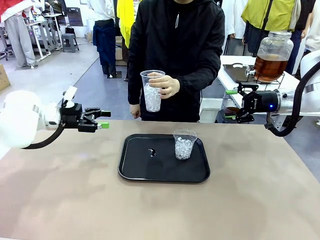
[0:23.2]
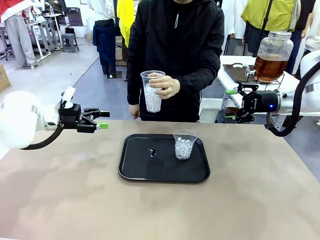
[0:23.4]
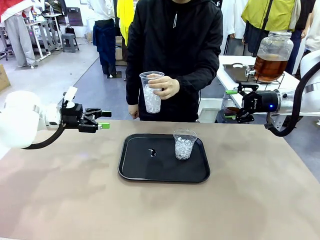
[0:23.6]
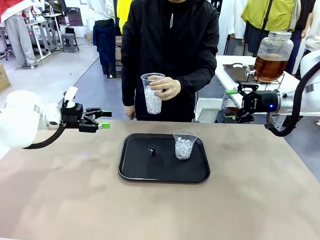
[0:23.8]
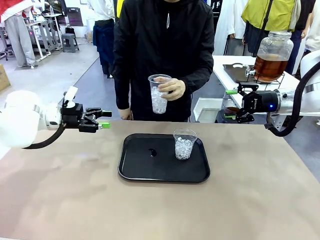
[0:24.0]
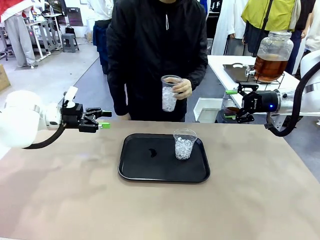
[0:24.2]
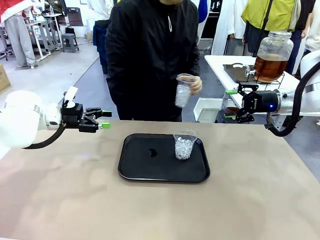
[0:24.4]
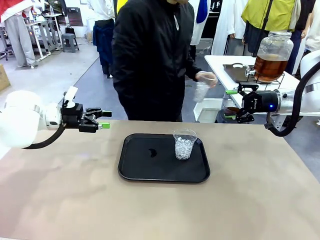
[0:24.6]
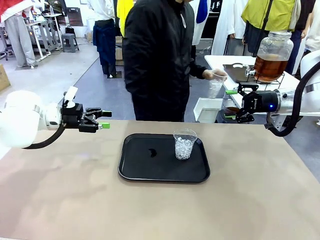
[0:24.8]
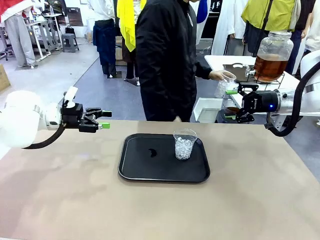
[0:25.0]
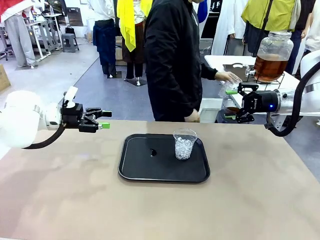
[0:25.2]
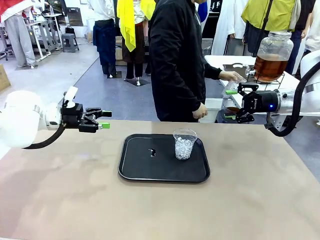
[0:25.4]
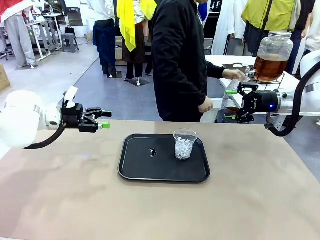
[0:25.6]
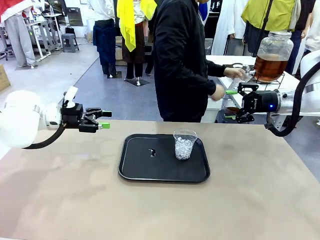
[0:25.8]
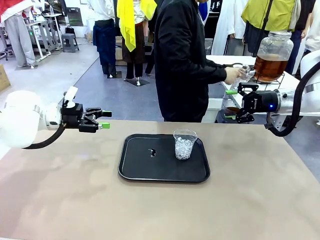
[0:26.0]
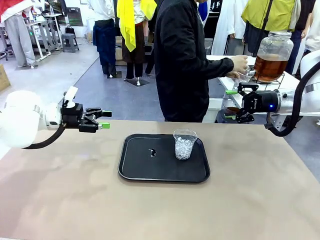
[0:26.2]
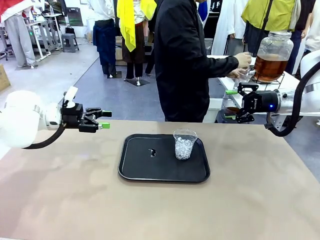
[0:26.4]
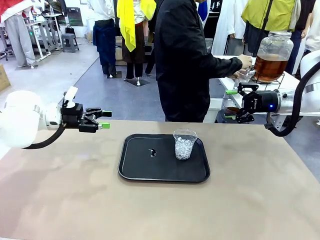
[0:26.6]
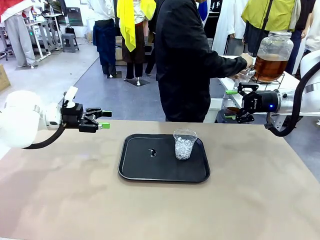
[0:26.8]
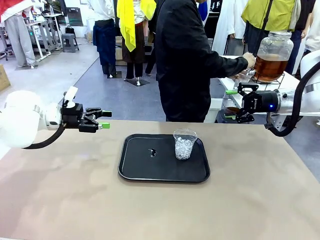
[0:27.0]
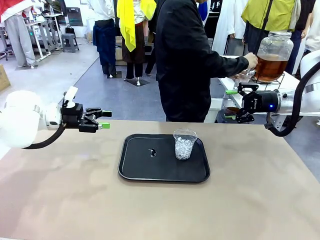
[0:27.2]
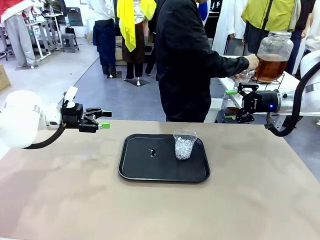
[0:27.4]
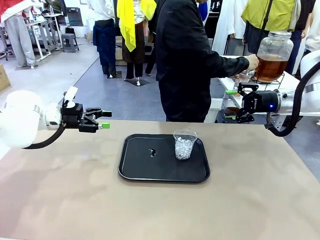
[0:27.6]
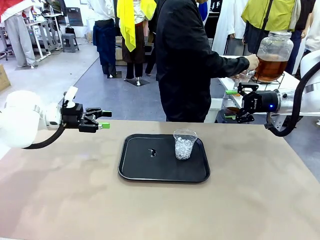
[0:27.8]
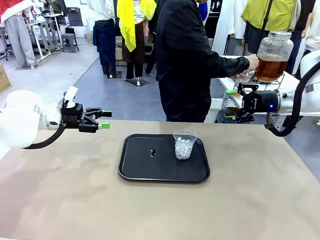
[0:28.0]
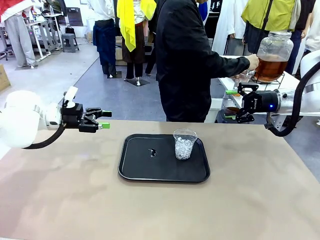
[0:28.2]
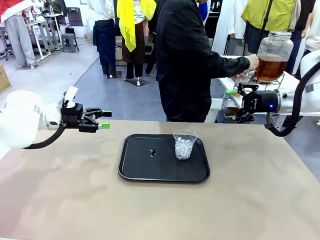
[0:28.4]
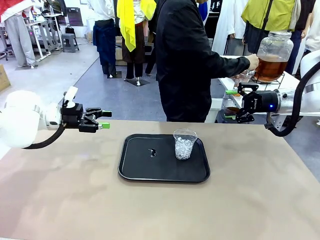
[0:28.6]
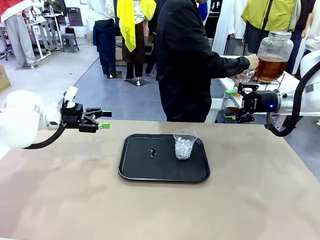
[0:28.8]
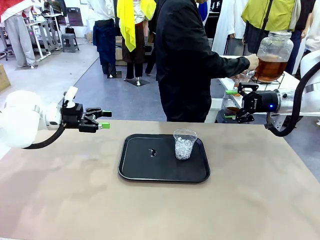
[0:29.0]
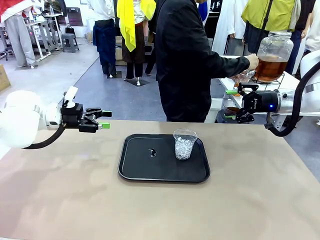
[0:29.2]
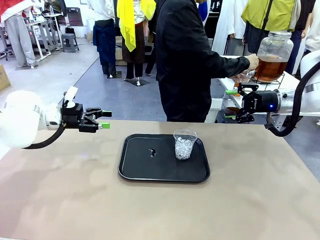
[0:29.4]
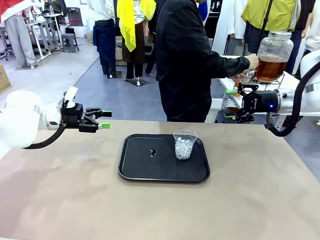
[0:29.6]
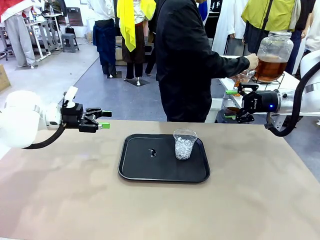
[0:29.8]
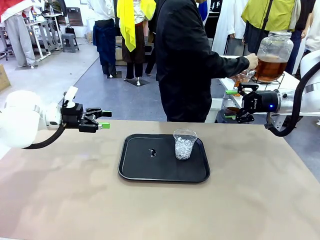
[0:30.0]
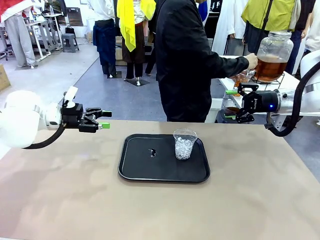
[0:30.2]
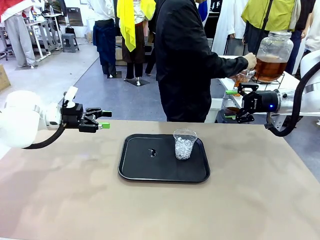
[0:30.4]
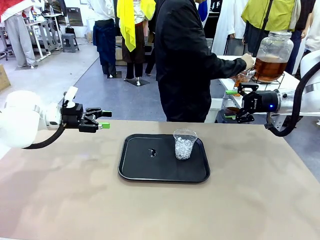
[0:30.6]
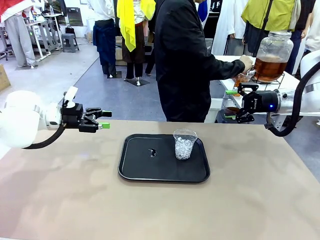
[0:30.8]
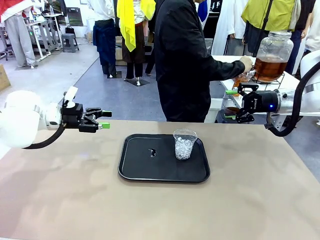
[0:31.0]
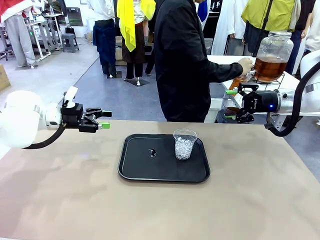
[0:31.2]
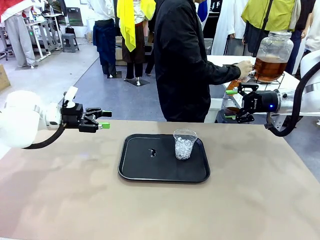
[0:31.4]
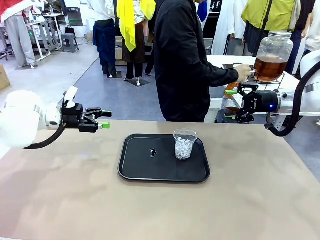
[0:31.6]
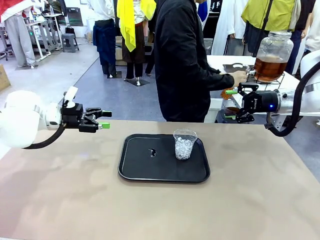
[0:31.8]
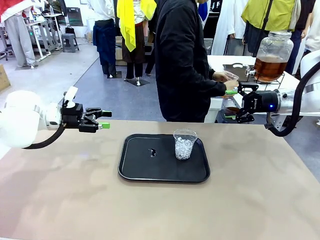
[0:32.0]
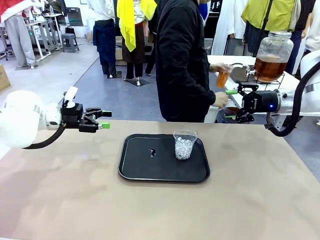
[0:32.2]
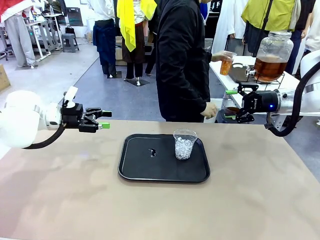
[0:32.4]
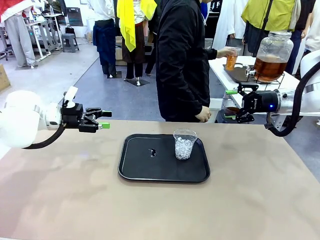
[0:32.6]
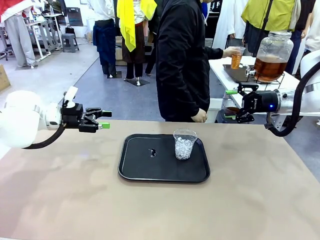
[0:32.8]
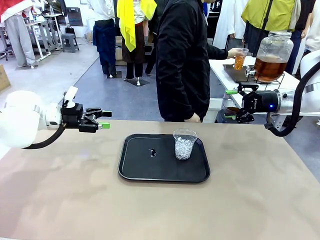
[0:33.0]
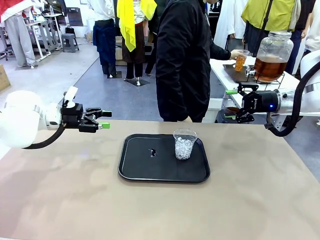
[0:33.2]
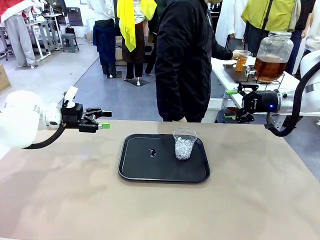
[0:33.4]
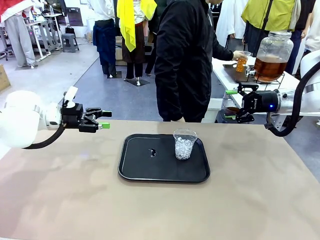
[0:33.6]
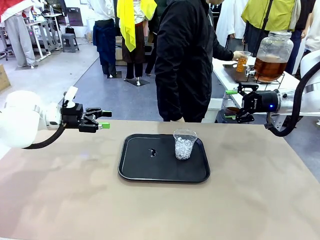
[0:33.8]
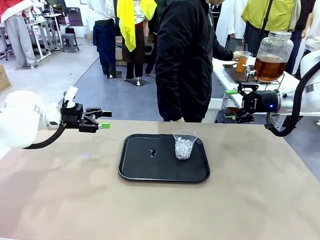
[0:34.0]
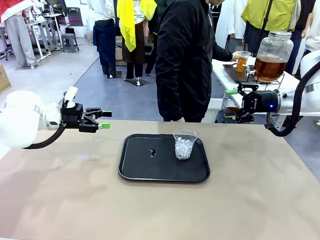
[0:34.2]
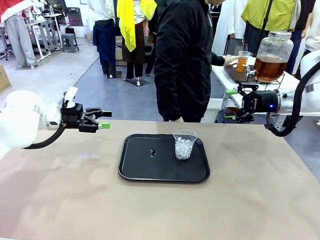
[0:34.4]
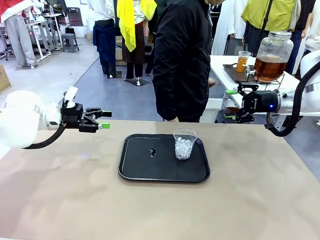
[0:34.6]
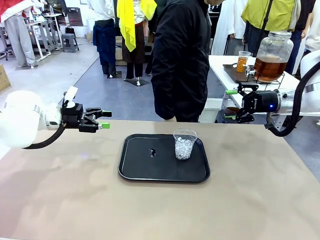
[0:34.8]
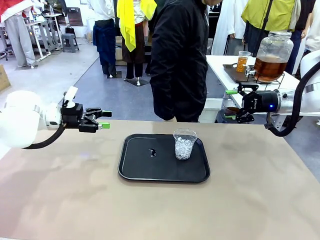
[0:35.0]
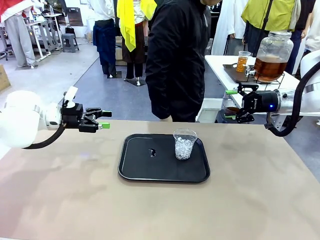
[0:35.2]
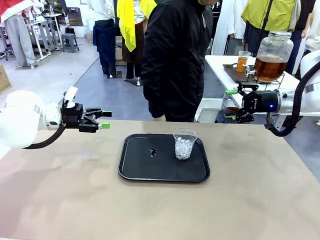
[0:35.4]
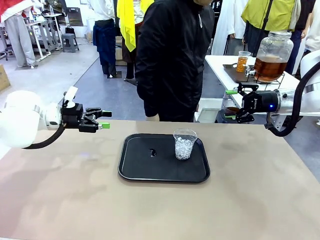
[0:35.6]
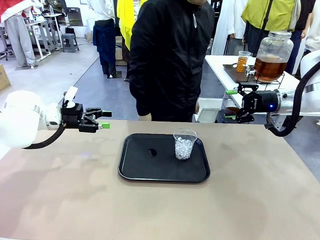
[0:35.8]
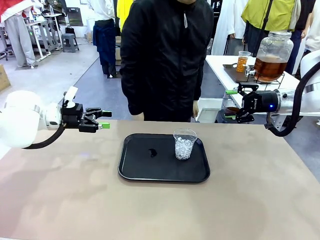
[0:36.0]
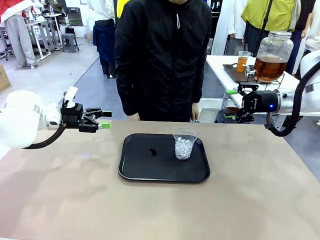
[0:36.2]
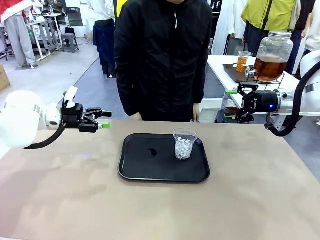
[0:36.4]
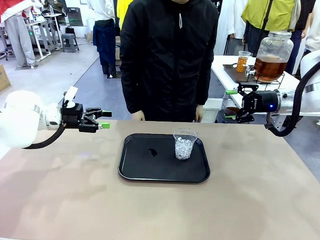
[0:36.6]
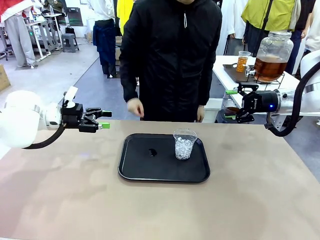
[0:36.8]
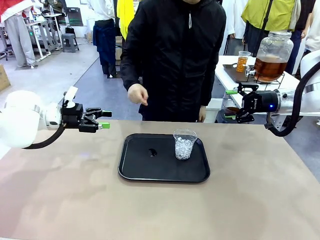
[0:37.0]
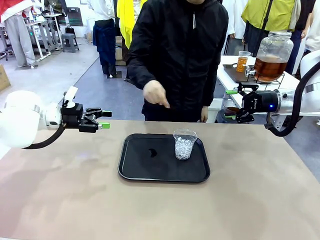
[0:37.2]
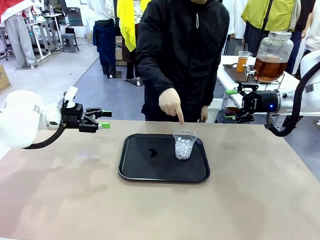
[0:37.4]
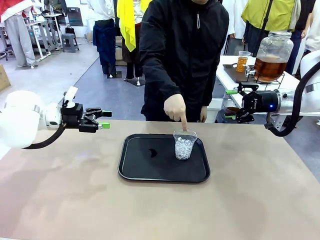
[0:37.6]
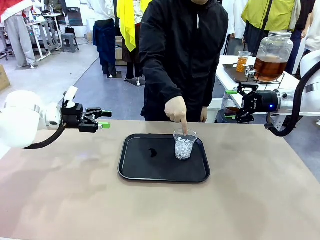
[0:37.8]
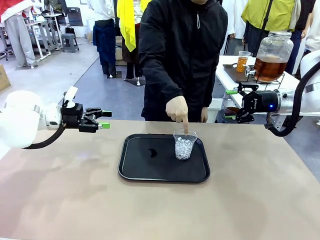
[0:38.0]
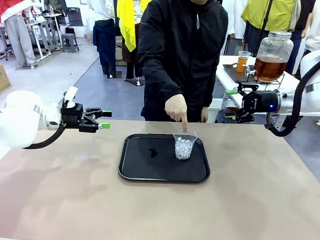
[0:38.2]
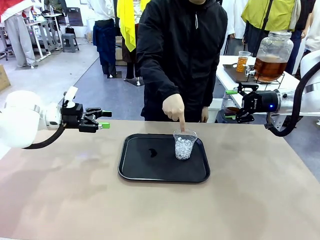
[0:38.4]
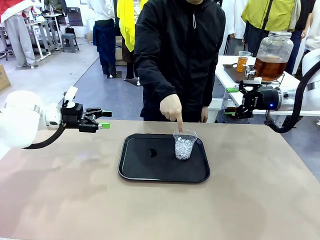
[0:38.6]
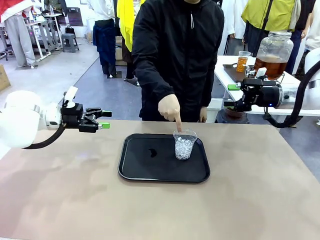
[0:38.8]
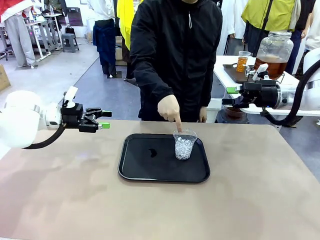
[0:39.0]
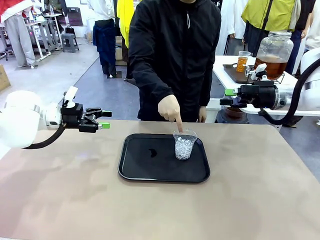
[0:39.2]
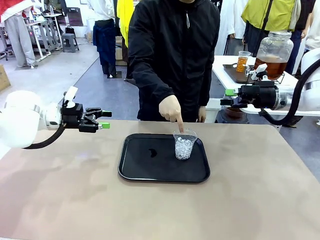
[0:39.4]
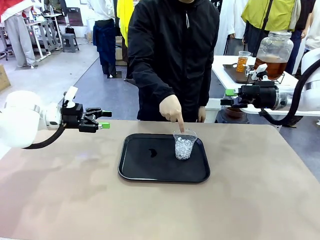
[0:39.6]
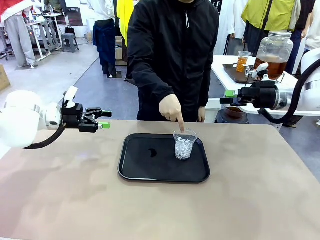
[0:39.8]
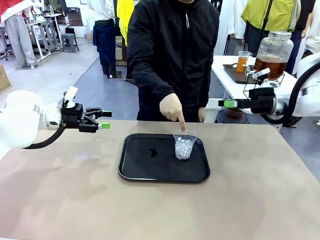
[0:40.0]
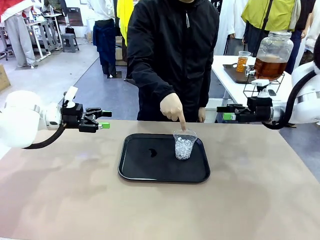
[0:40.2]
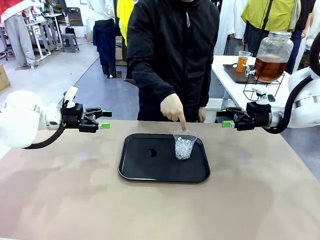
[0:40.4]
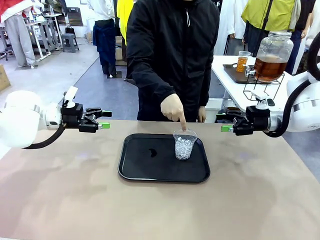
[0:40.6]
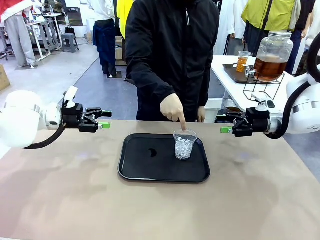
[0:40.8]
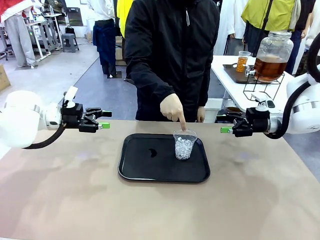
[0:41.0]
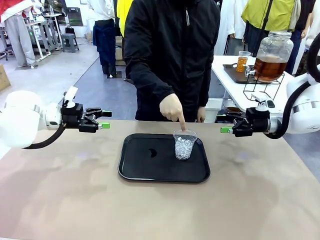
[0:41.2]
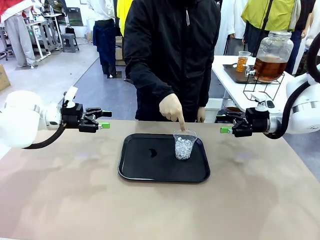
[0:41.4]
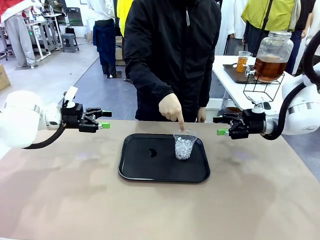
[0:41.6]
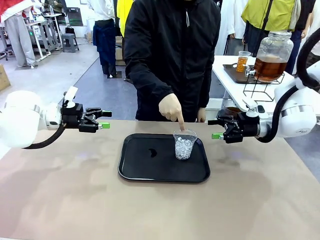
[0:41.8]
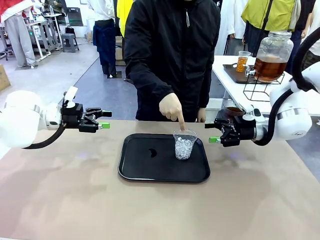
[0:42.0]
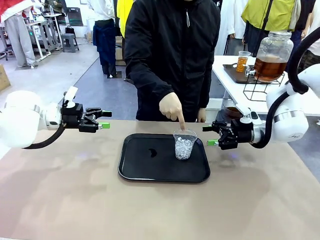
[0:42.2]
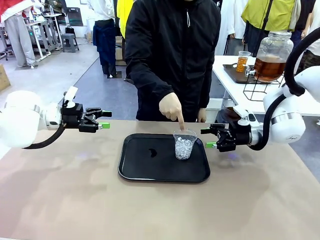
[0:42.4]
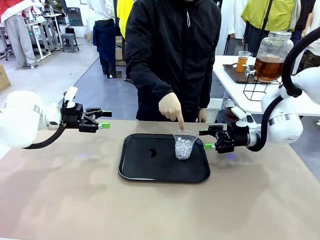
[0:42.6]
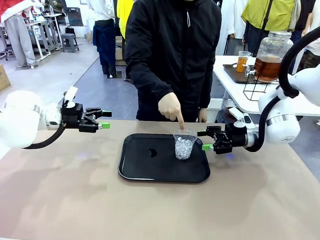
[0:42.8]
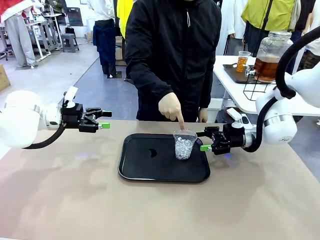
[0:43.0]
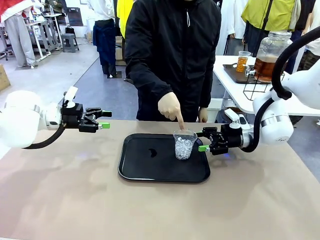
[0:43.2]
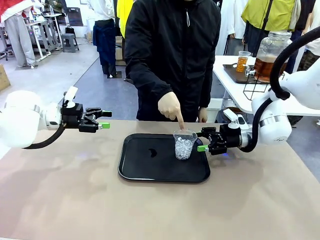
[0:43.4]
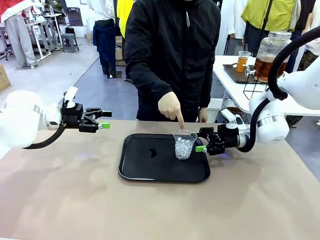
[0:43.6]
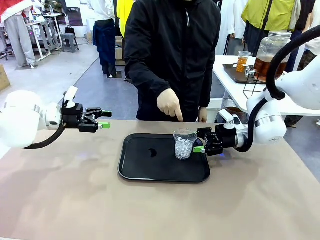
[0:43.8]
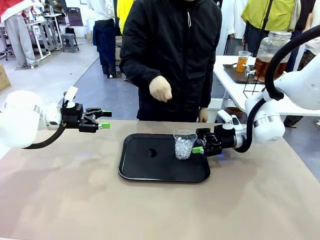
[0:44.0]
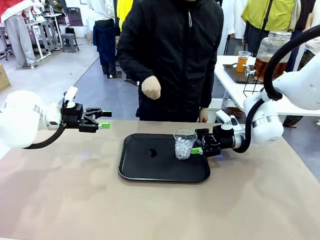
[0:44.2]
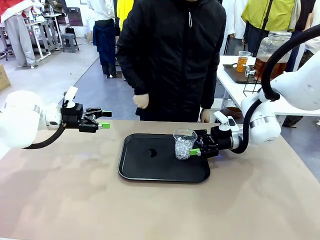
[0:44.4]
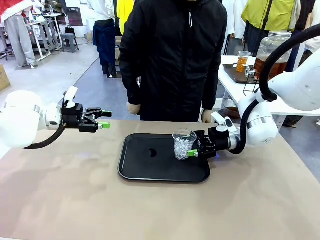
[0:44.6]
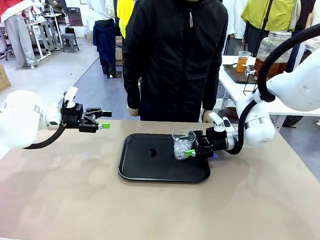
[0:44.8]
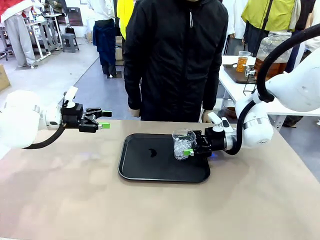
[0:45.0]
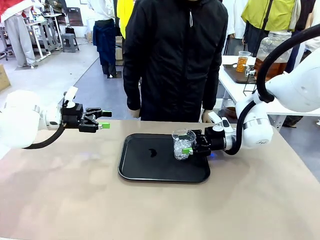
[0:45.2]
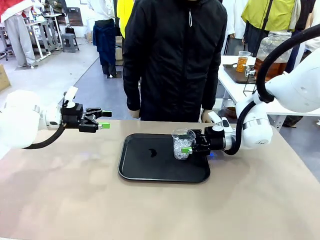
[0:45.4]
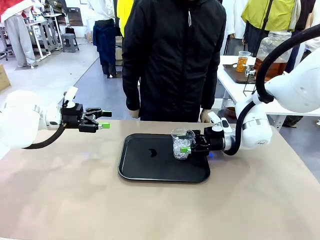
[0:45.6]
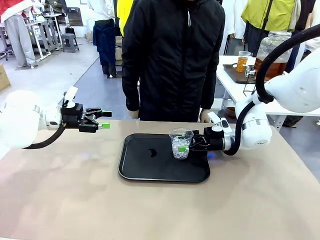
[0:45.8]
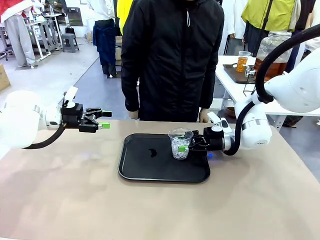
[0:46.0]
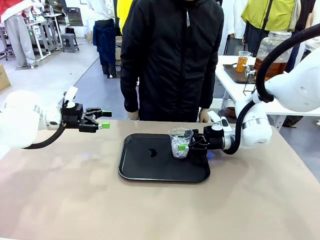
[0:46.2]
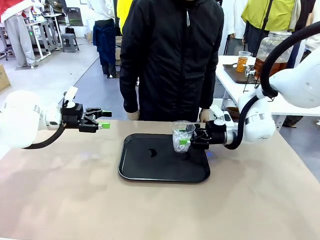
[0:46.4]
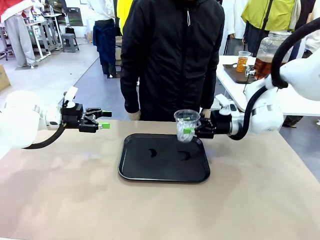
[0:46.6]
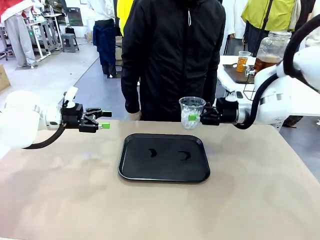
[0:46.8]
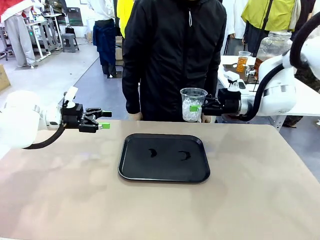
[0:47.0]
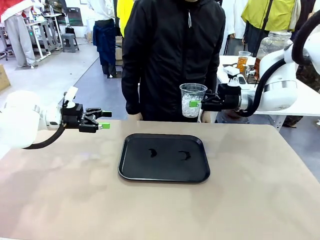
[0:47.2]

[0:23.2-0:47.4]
Task: Pour the drink into the iced cup.
Robot: Pick up the iced cup indicated by the human and present it to them.
Person: Move the picked-up cup under the dispenser faucet, pour the drink, and place it on the tray on the human table. Point to the remaining ice cup on the robot table. Pick up the cup offered by the robot.
